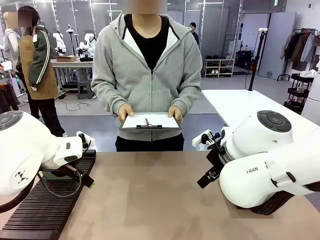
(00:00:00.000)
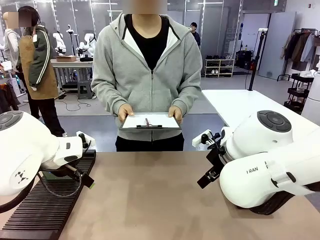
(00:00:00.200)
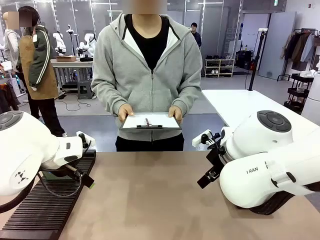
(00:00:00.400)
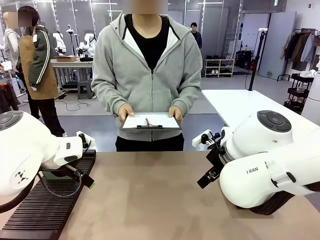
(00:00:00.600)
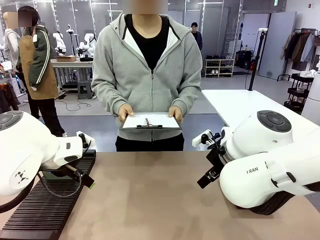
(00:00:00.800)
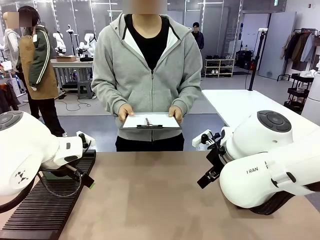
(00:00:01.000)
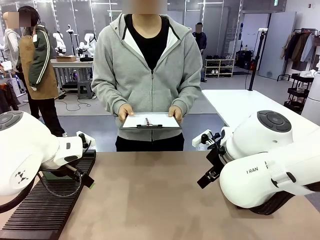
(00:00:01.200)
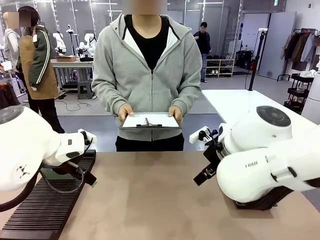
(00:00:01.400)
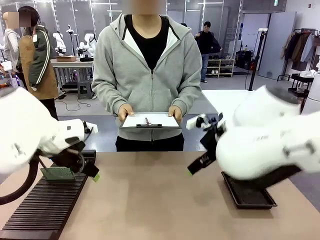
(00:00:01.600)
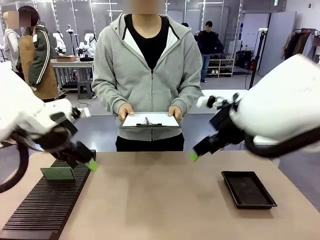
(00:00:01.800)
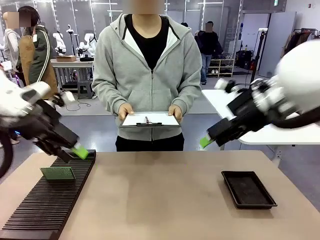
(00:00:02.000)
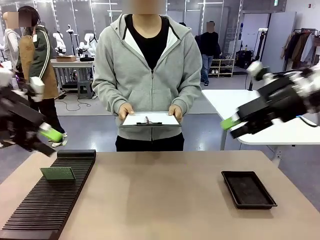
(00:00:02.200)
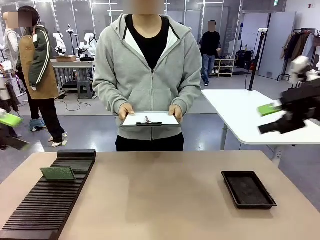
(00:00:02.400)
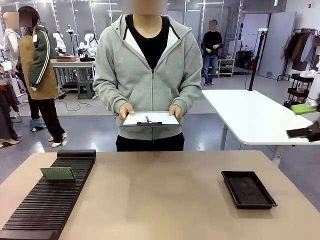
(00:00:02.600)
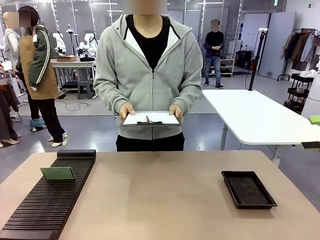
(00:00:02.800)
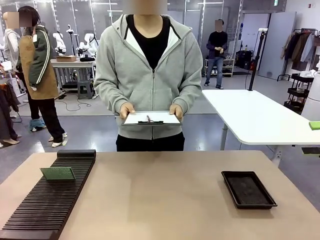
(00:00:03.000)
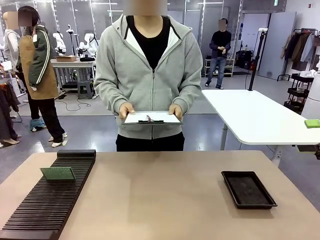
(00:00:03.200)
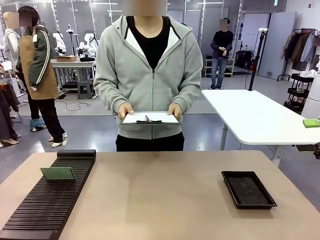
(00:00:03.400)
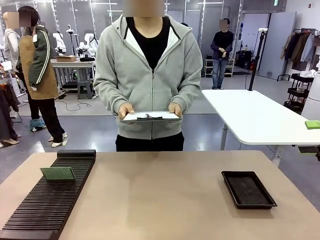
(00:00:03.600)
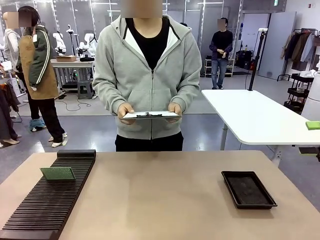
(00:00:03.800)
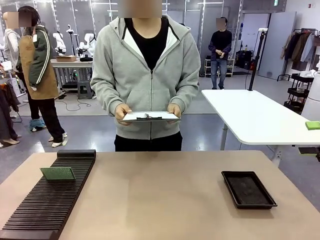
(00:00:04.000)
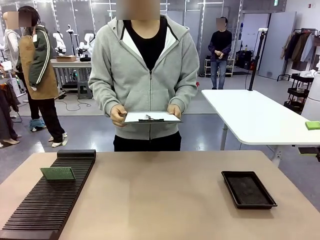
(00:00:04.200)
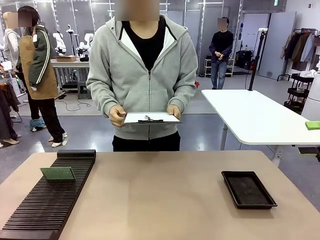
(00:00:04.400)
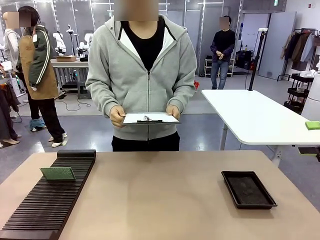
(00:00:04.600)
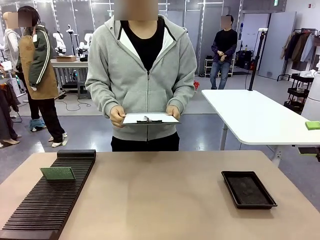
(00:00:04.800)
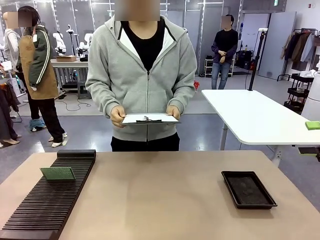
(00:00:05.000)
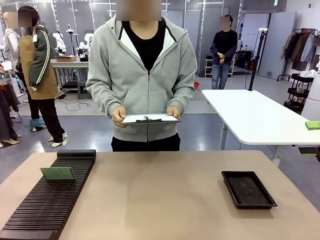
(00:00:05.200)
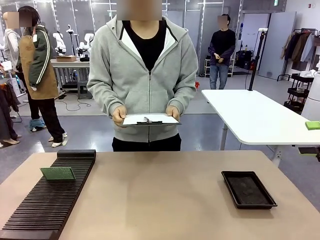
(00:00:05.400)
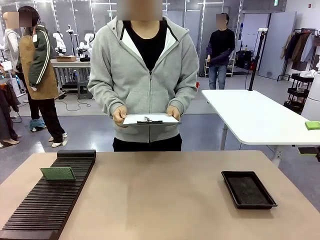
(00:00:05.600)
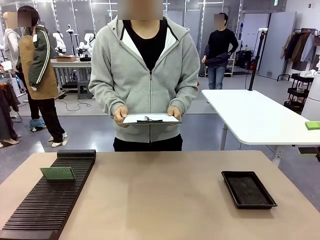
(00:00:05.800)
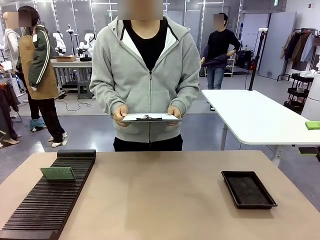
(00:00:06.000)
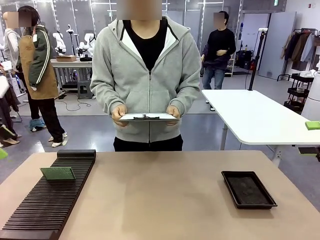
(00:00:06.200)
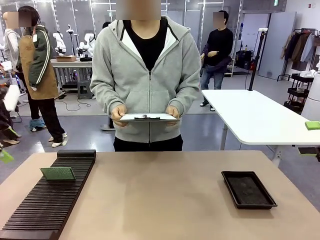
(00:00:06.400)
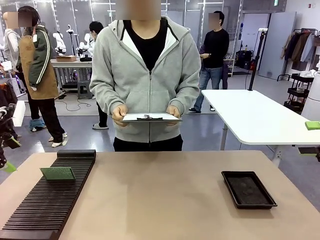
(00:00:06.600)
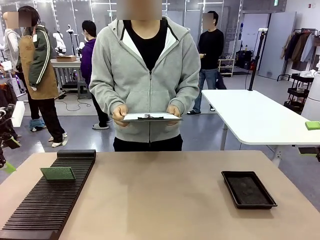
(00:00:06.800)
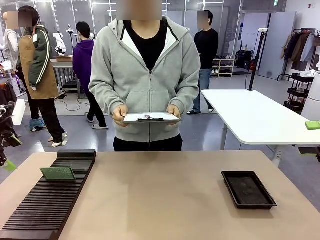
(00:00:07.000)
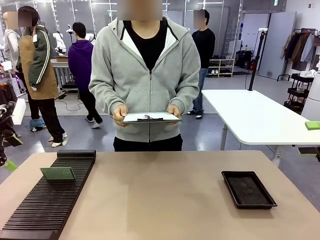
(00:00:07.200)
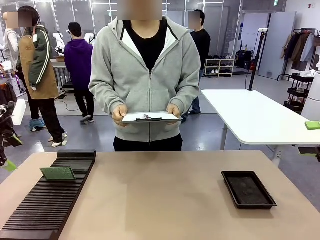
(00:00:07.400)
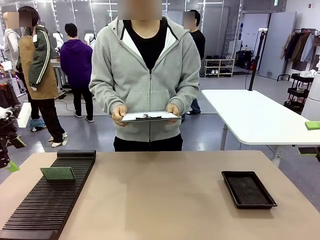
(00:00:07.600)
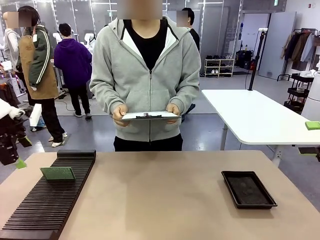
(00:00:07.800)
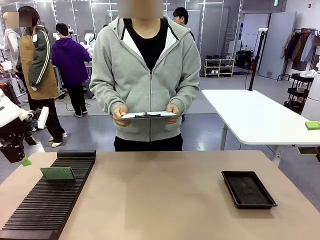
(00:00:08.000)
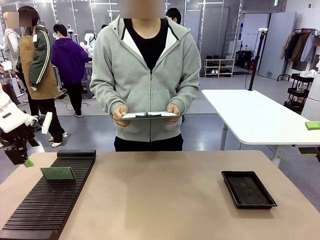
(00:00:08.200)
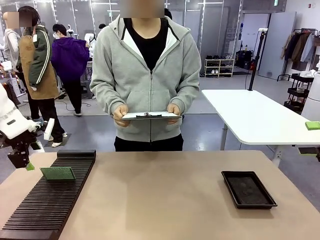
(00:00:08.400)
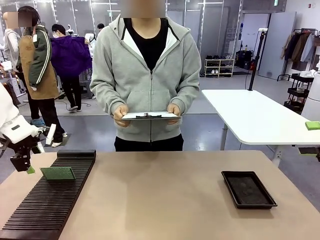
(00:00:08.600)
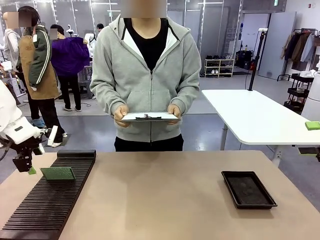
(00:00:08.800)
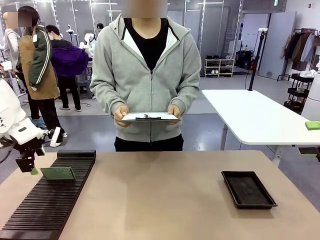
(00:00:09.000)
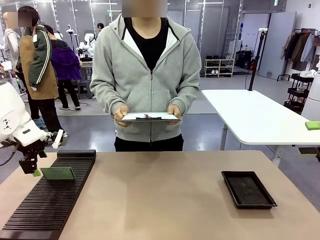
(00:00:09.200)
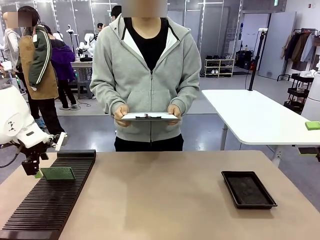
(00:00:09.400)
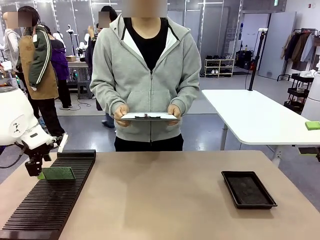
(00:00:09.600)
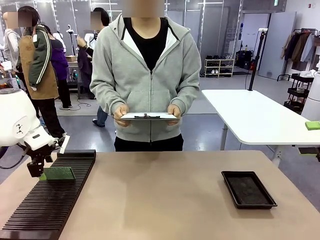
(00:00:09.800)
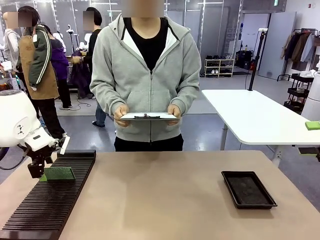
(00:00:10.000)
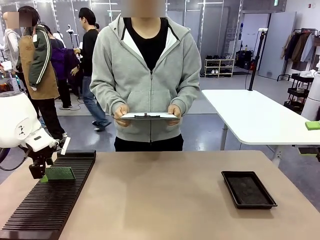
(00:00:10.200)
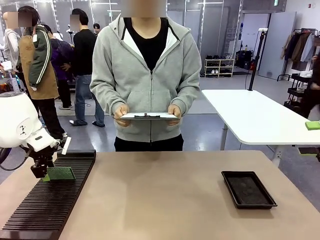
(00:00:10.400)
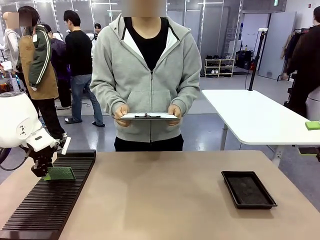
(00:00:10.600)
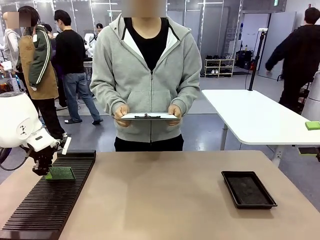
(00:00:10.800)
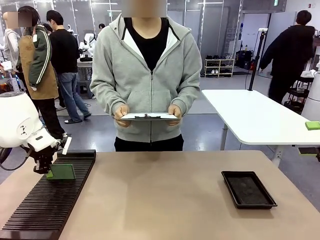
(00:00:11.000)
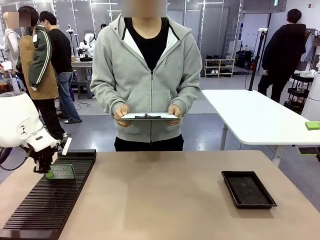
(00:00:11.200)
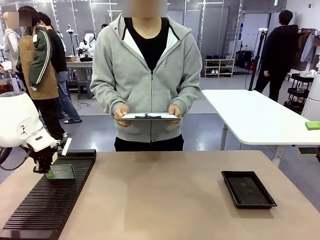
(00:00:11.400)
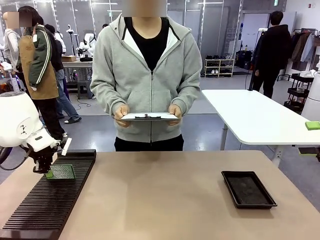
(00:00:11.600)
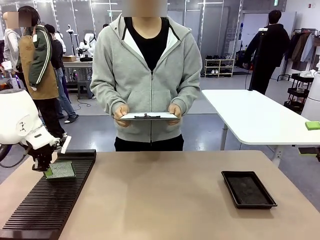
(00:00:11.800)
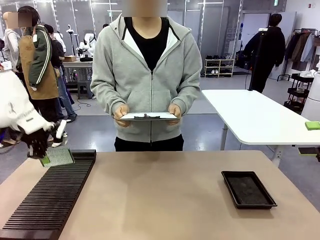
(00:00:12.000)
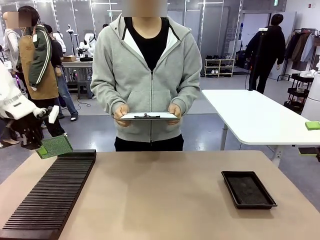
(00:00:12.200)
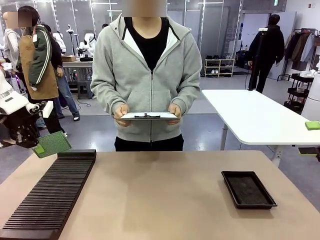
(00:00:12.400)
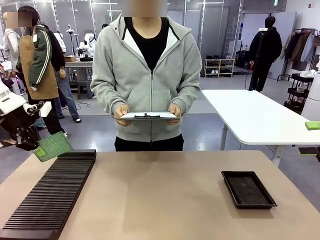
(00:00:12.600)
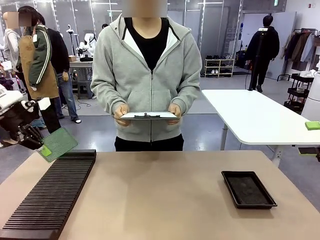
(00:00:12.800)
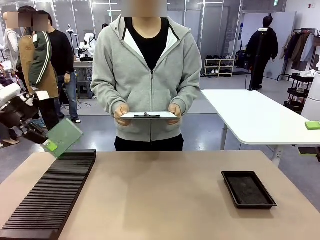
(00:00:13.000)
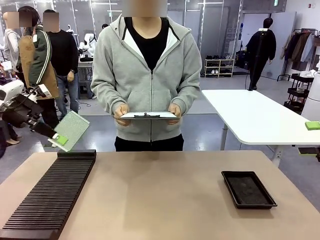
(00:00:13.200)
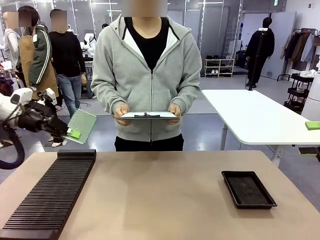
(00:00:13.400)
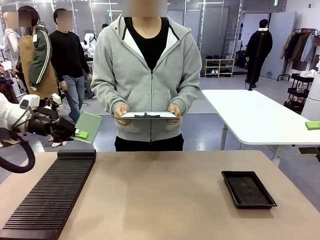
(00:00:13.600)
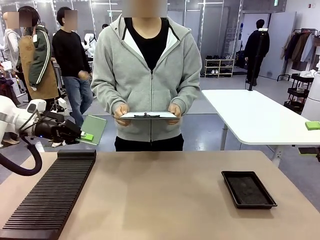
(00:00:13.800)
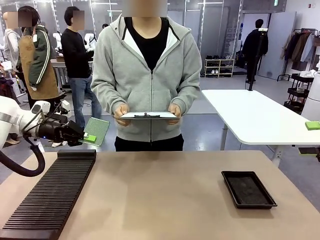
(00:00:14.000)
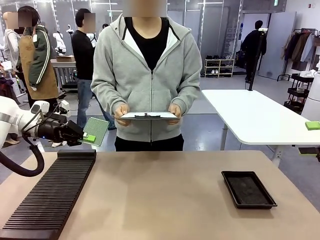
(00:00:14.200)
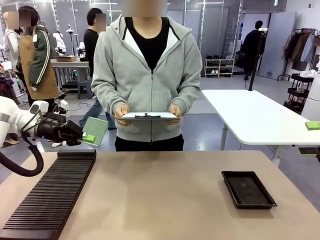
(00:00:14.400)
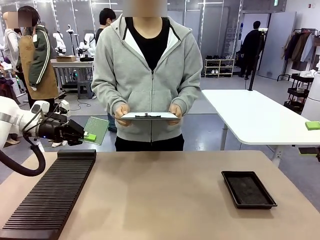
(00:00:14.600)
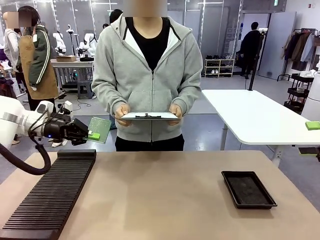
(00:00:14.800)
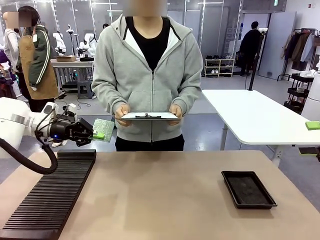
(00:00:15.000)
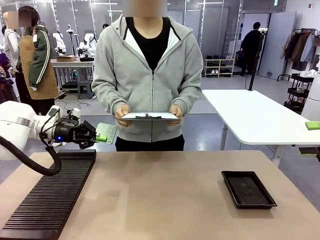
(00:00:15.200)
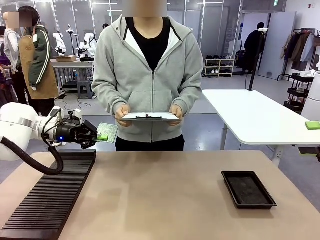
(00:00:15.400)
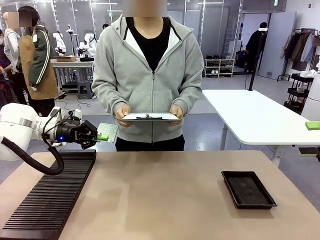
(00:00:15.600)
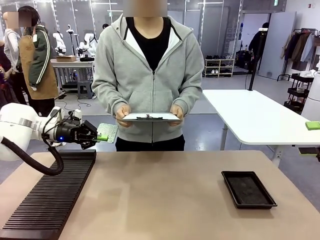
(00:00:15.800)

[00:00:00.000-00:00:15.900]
Task: Inspect the PCB.
Robot: Pick up the Blank PCB and present it to the human.
Person: Pick up the PCB presented by the robot.

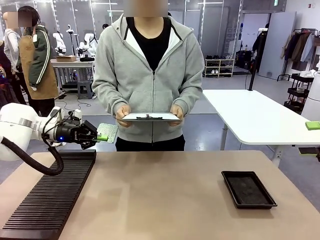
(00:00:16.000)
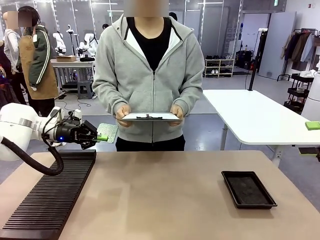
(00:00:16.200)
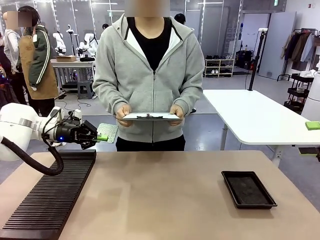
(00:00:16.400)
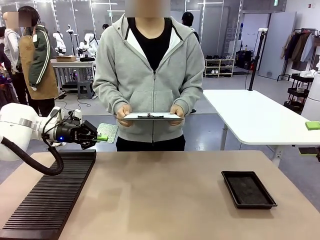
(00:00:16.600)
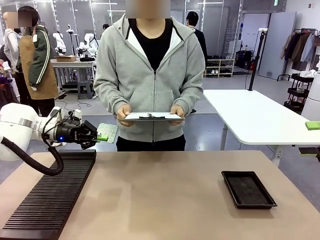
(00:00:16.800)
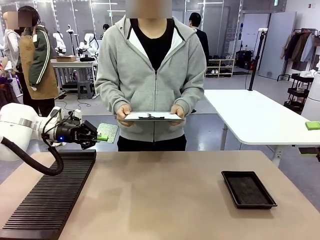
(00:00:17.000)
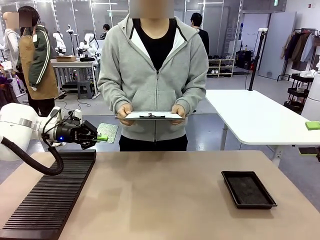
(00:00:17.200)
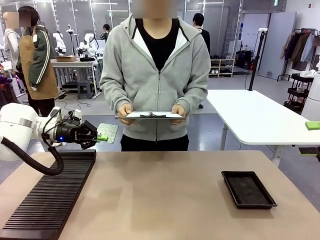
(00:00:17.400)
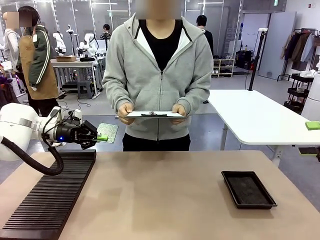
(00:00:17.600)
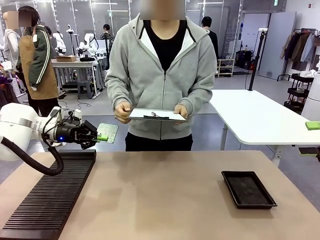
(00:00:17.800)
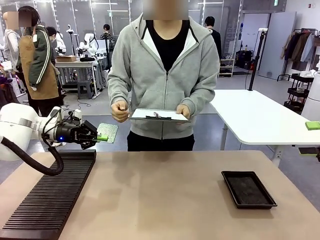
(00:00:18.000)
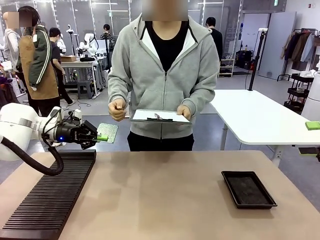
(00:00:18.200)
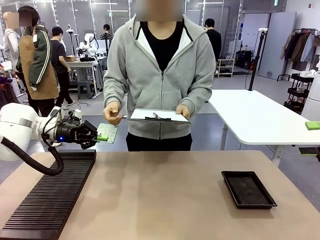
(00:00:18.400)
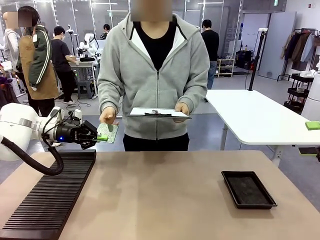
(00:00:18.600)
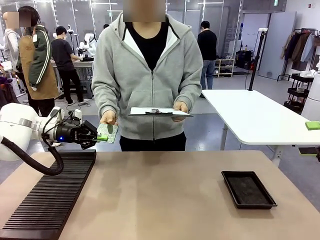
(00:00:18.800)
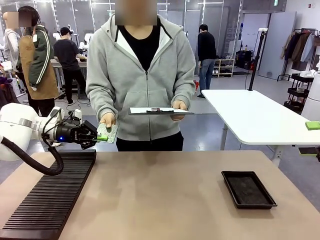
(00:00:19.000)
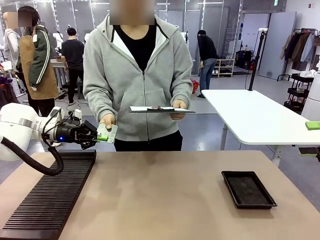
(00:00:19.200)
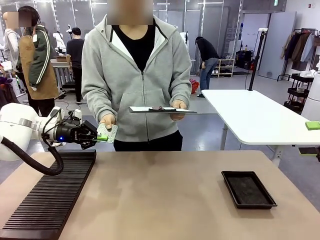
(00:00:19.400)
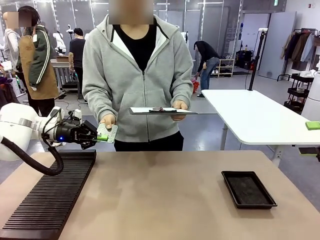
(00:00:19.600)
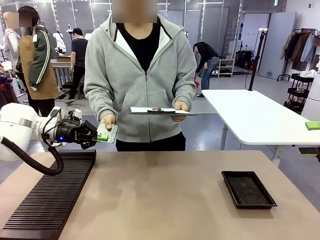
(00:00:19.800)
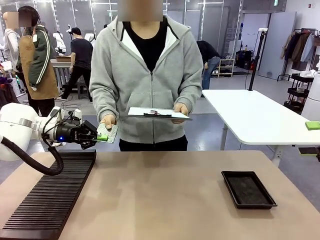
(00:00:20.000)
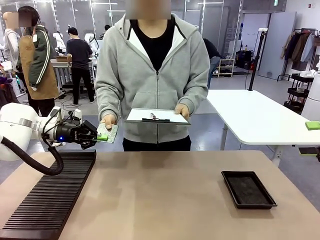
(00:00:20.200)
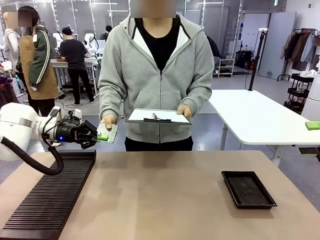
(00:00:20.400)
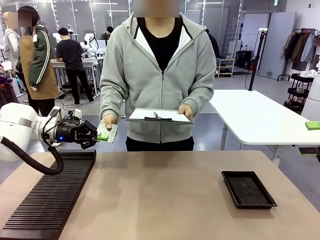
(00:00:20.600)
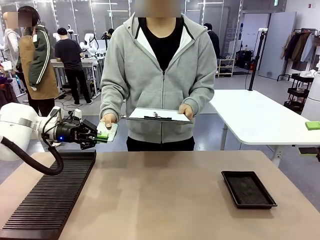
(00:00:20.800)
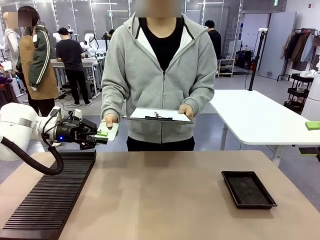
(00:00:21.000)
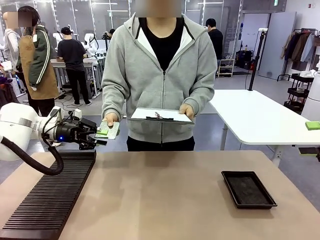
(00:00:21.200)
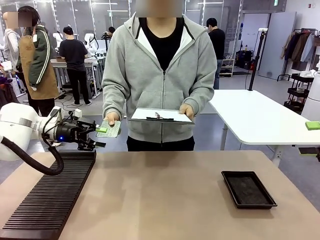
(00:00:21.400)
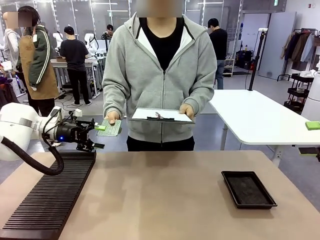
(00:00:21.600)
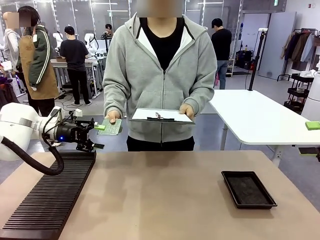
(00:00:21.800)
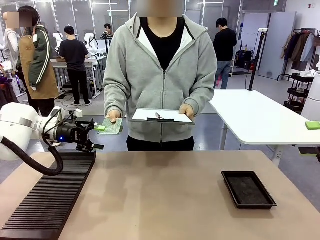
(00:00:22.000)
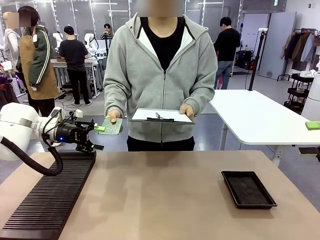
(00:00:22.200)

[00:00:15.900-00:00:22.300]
Robot: Release the Blank PCB you were holding.
